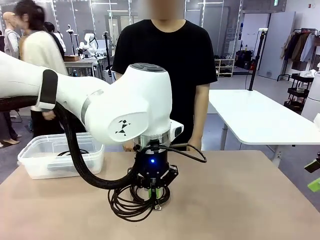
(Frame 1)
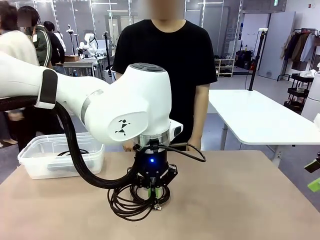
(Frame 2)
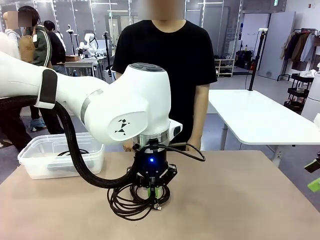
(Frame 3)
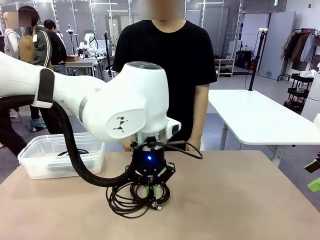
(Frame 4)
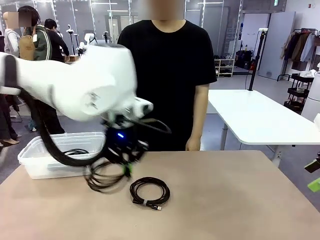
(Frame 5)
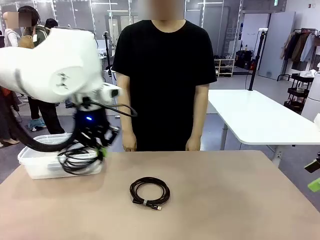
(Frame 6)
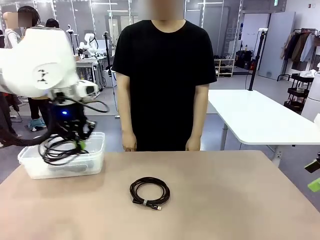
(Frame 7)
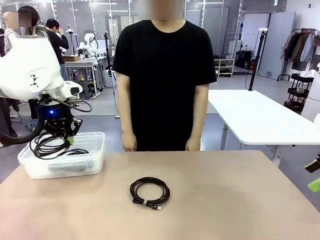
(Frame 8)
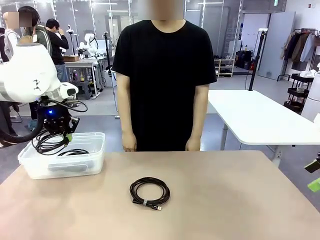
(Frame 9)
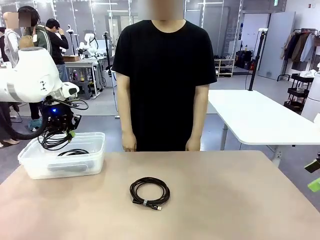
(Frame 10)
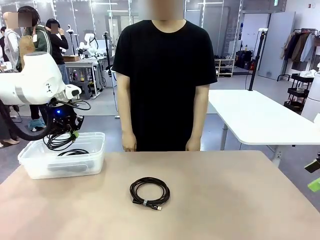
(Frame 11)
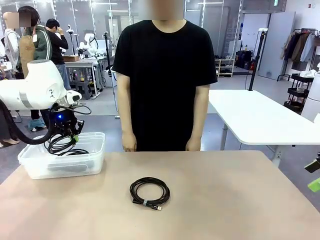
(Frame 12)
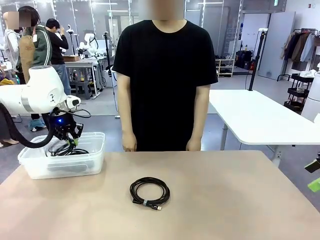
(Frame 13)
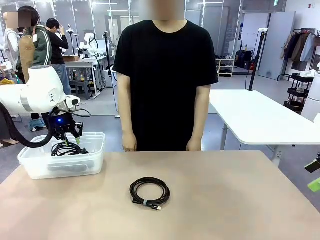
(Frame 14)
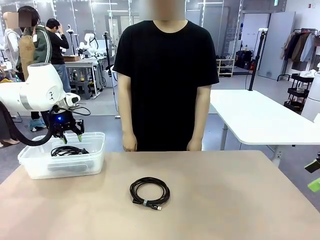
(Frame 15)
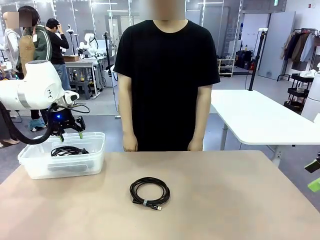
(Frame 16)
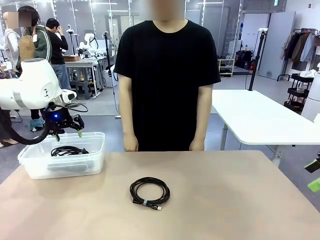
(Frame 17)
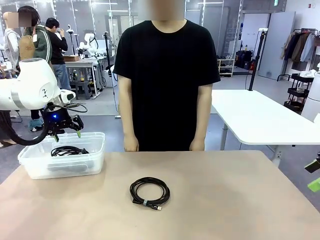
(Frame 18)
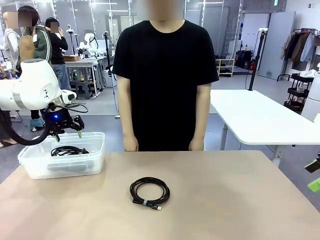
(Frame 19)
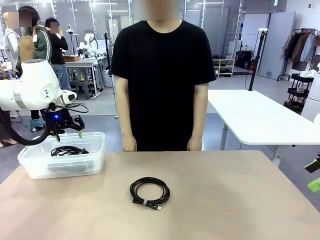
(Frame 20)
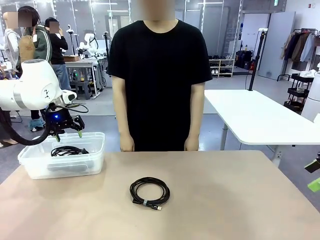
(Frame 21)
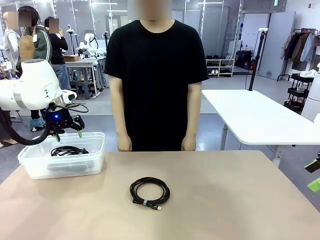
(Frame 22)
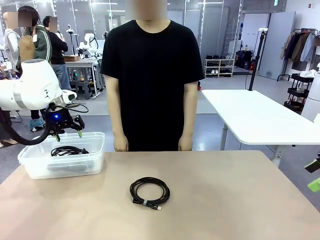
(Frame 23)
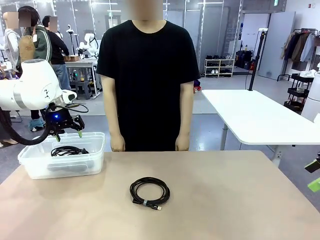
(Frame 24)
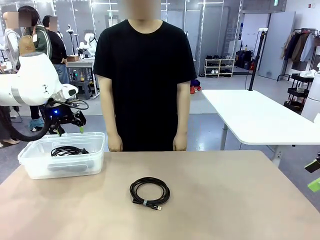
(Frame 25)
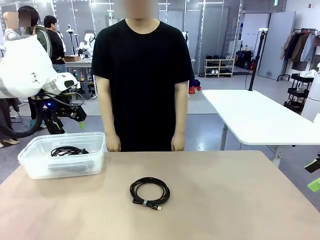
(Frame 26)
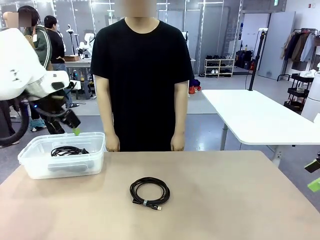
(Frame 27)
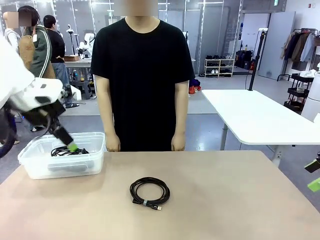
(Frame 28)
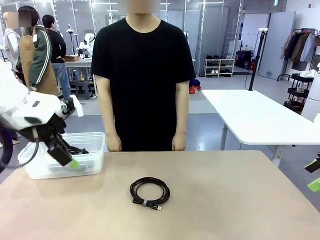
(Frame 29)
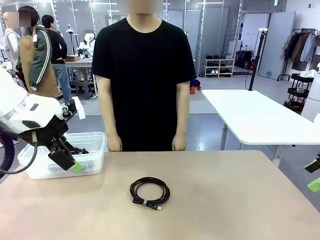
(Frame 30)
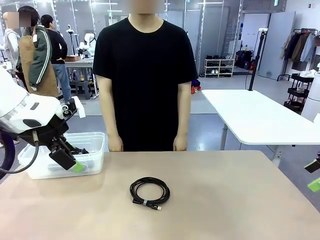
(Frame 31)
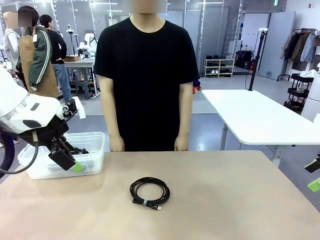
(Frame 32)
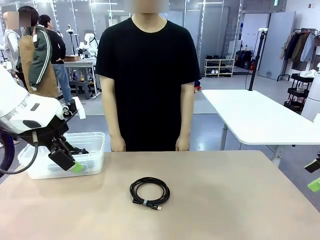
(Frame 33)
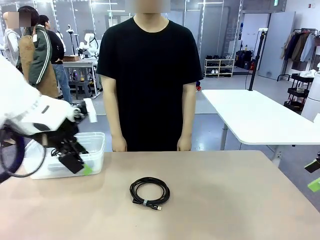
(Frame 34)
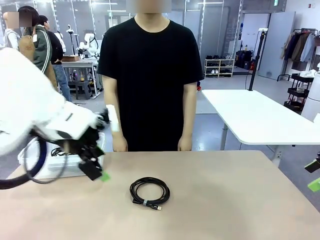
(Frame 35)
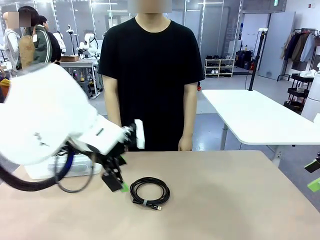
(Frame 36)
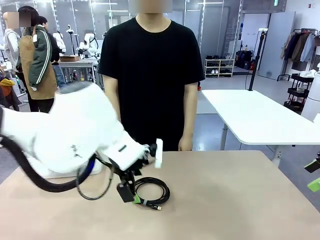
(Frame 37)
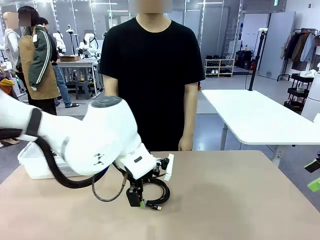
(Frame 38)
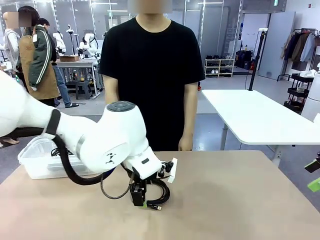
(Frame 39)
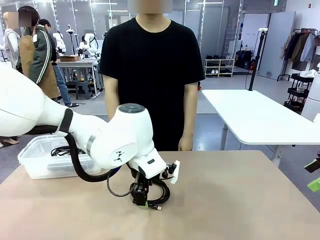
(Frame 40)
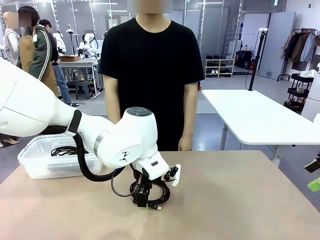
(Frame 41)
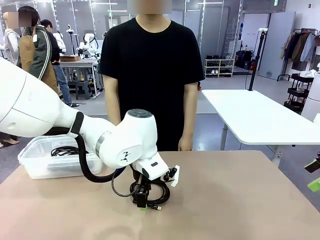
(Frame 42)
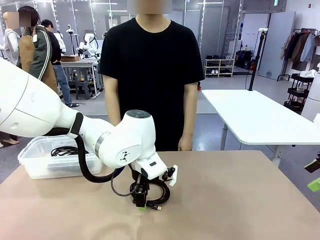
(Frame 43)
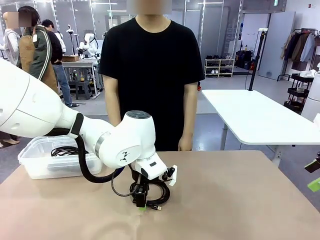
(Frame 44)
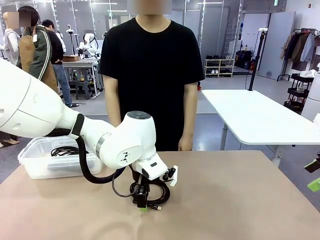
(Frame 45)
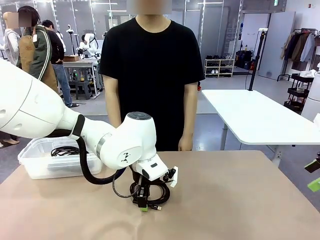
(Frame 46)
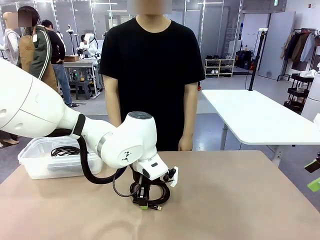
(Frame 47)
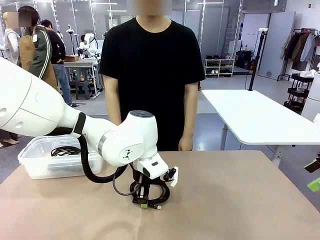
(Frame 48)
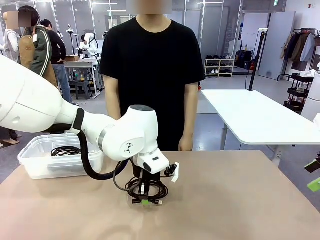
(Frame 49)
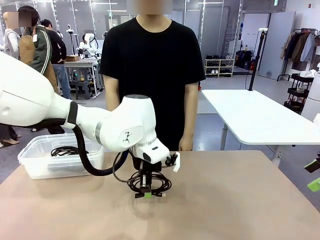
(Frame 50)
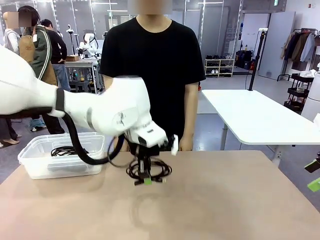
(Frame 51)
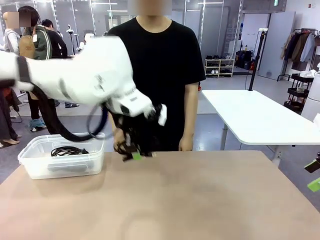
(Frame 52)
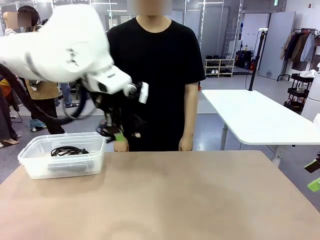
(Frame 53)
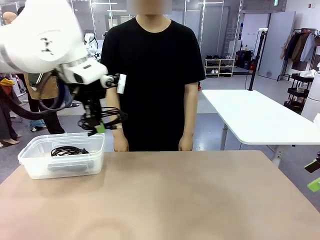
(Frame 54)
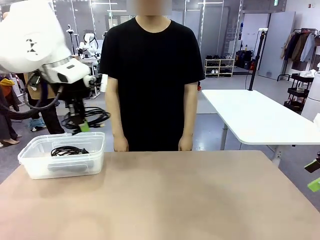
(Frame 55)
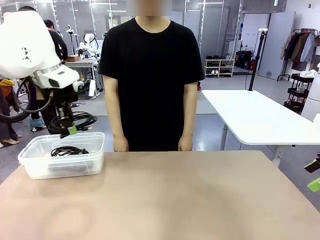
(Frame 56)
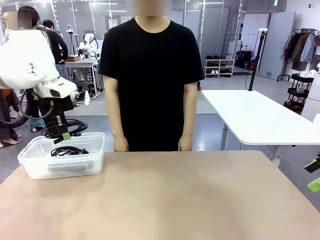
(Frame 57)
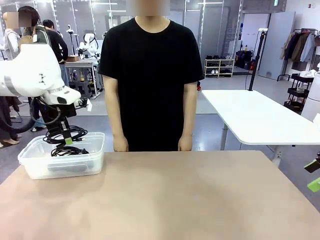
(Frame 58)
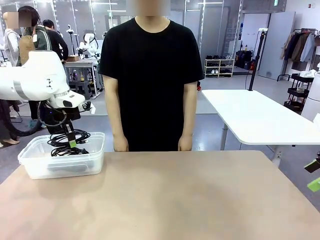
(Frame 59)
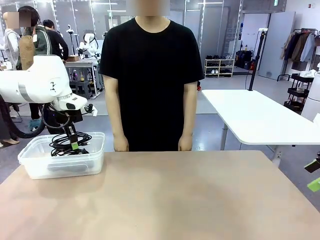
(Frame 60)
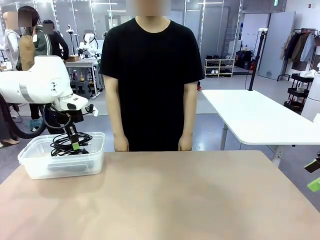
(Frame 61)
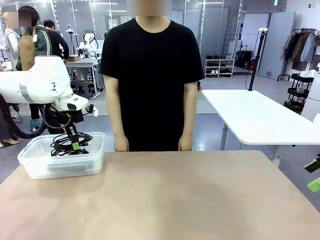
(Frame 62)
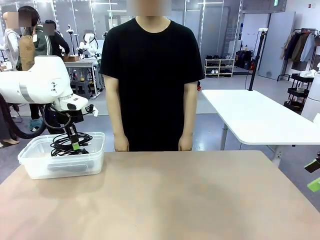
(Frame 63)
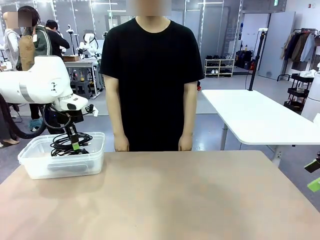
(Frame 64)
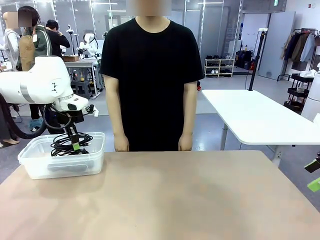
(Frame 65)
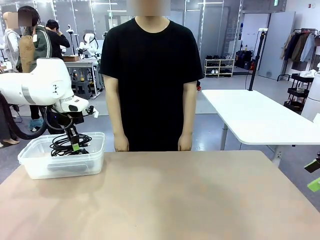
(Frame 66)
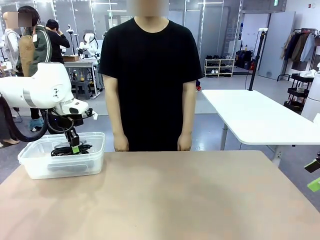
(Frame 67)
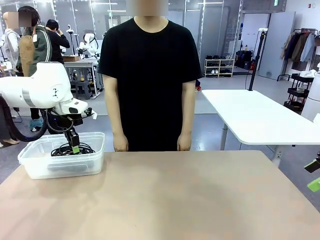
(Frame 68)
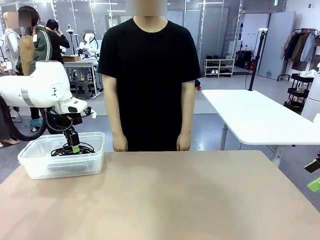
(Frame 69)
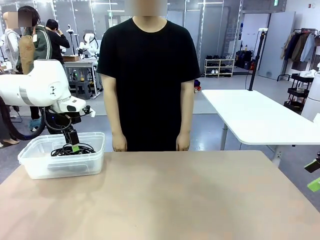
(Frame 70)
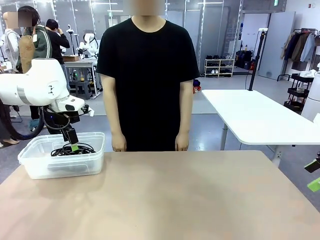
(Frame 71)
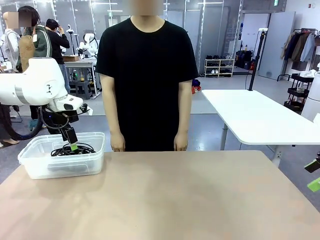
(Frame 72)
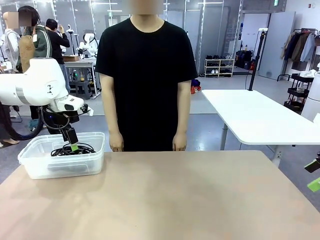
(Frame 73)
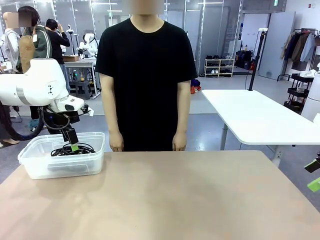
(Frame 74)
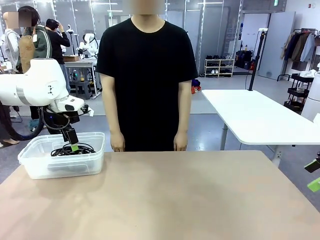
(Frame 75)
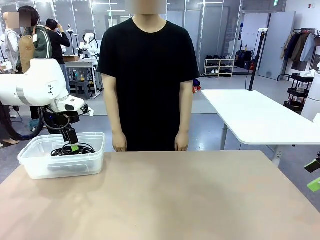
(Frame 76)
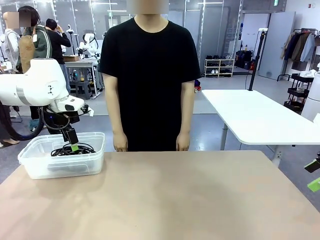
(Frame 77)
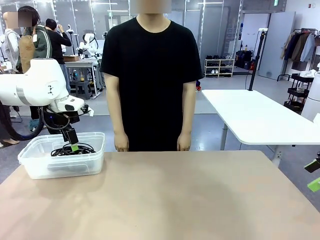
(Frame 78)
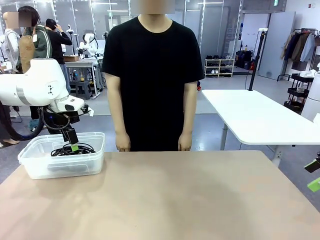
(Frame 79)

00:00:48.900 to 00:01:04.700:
Task: Organize and store the cables.
Robot: Place the USB Extension Cable into the Organizing box.
